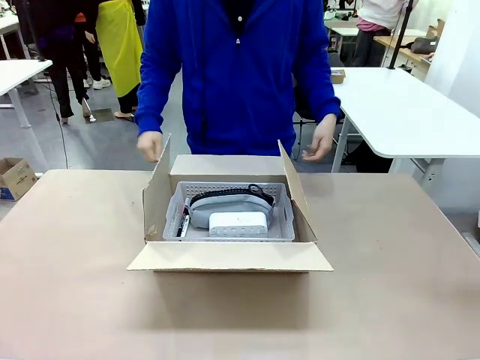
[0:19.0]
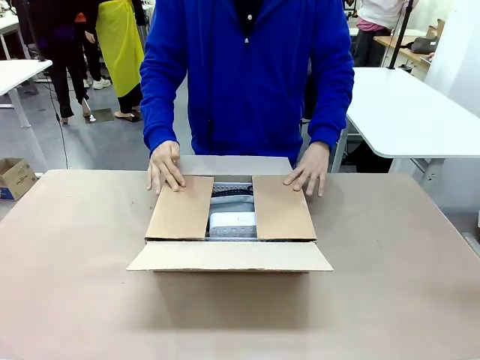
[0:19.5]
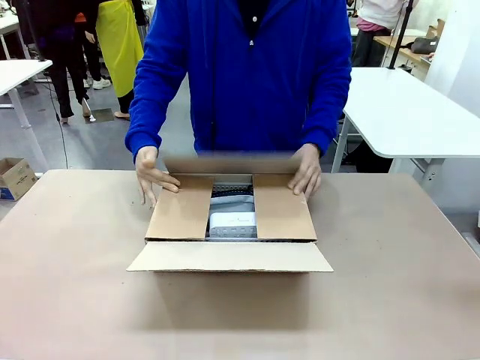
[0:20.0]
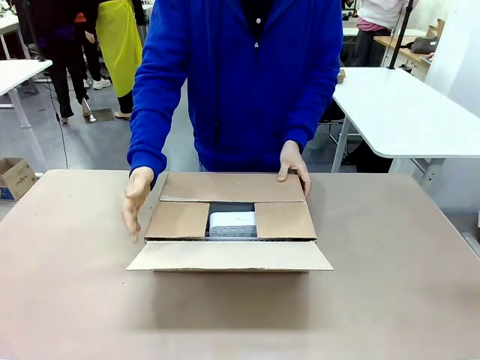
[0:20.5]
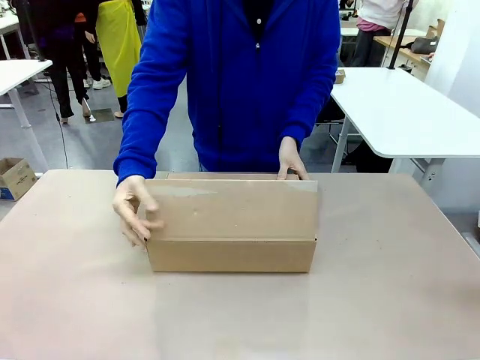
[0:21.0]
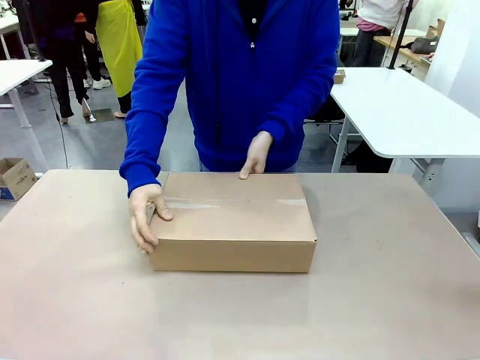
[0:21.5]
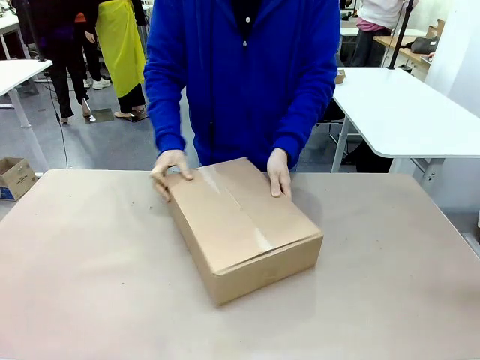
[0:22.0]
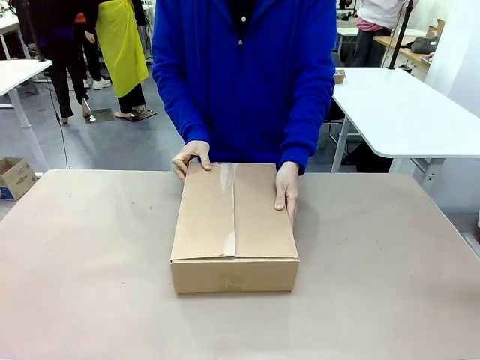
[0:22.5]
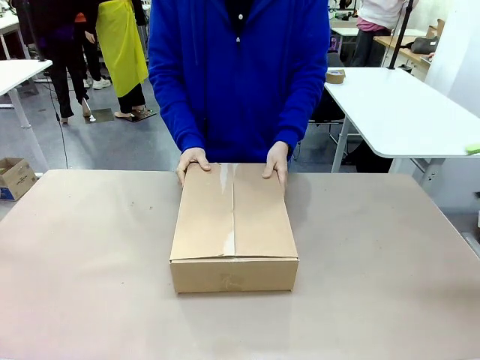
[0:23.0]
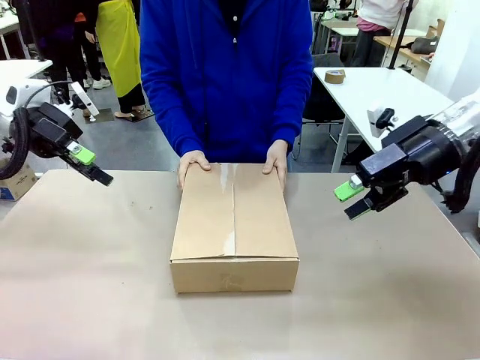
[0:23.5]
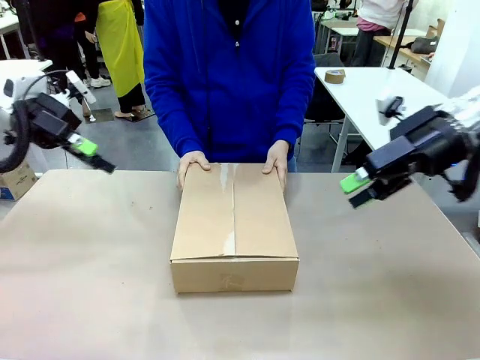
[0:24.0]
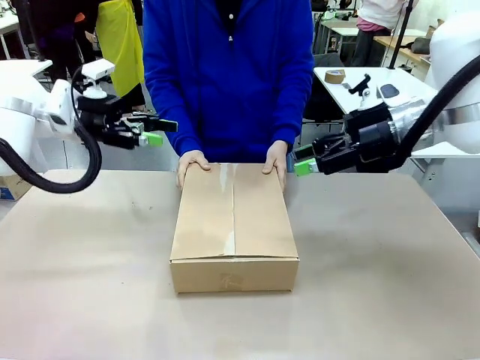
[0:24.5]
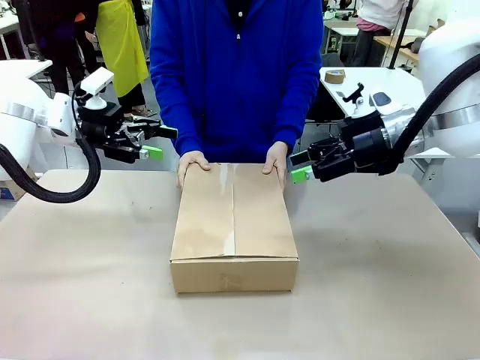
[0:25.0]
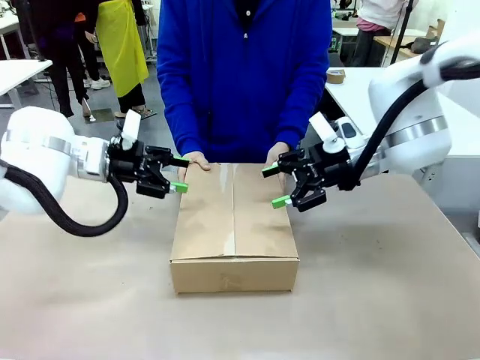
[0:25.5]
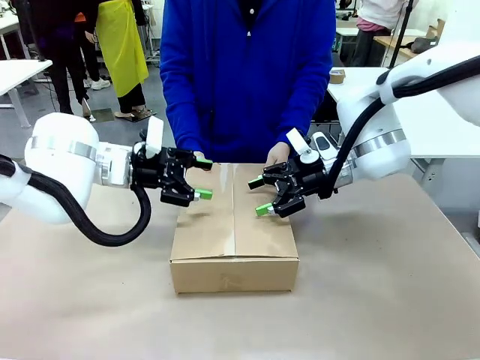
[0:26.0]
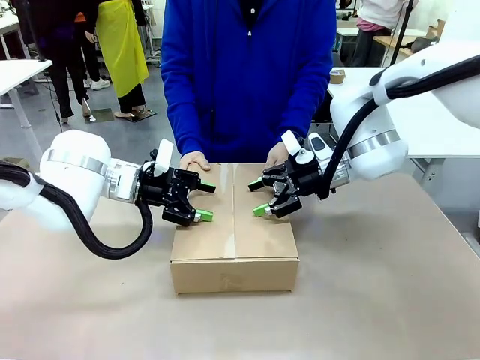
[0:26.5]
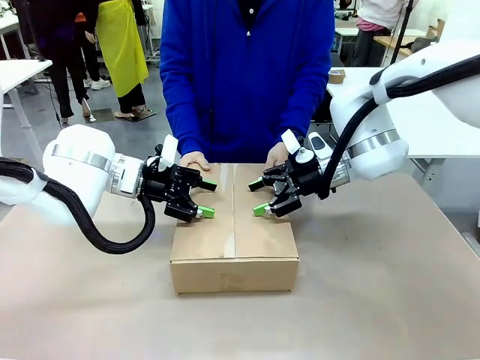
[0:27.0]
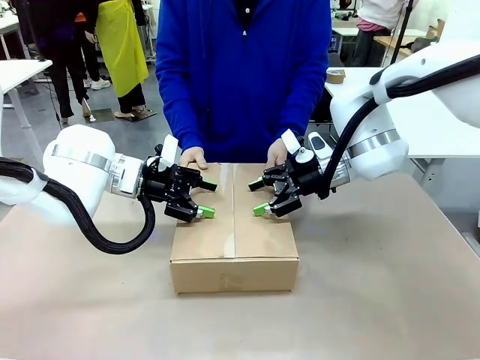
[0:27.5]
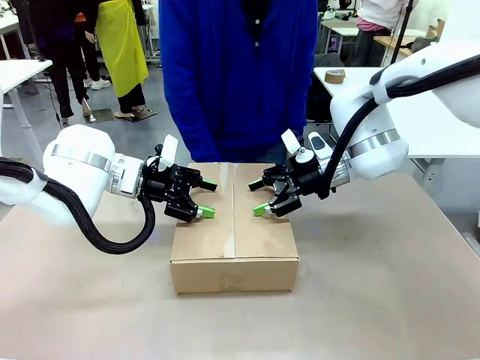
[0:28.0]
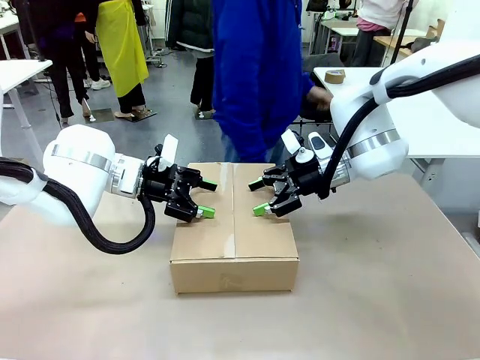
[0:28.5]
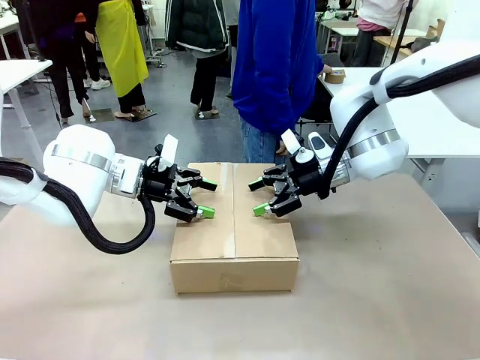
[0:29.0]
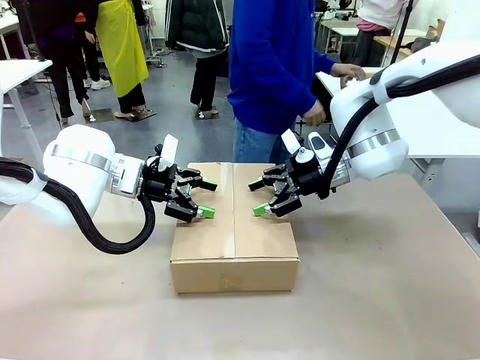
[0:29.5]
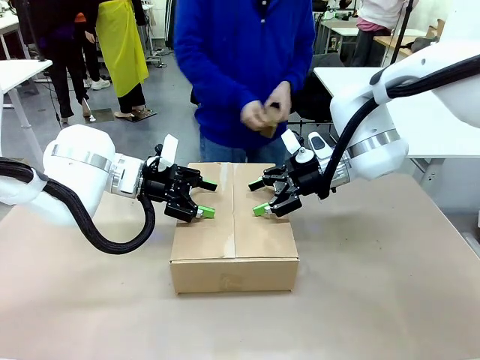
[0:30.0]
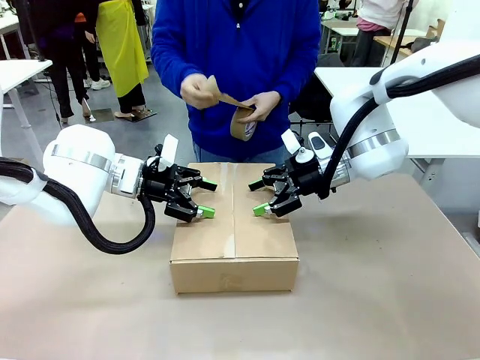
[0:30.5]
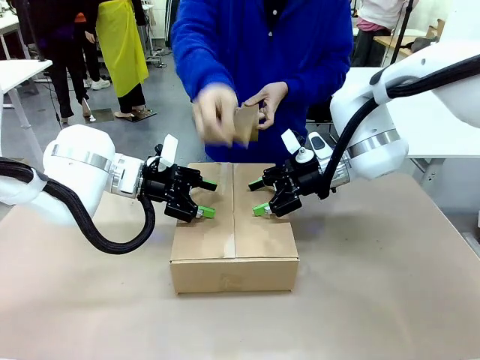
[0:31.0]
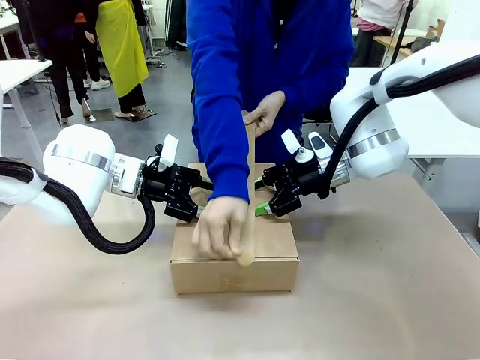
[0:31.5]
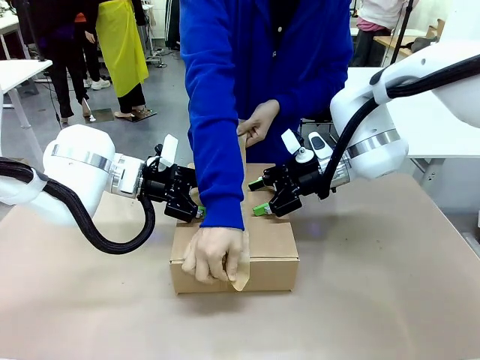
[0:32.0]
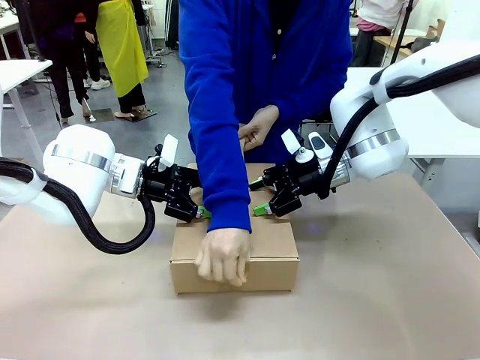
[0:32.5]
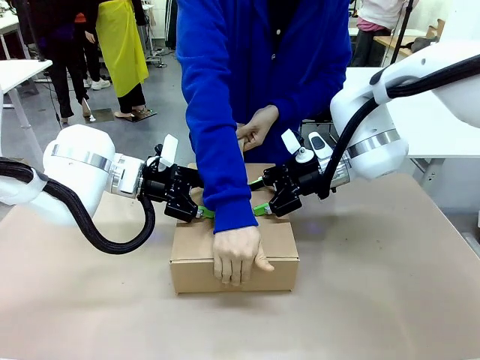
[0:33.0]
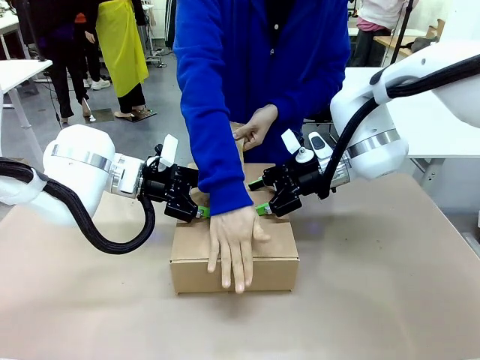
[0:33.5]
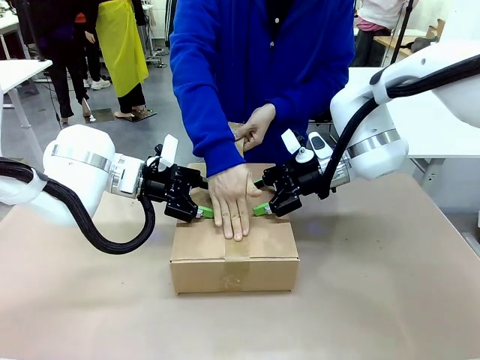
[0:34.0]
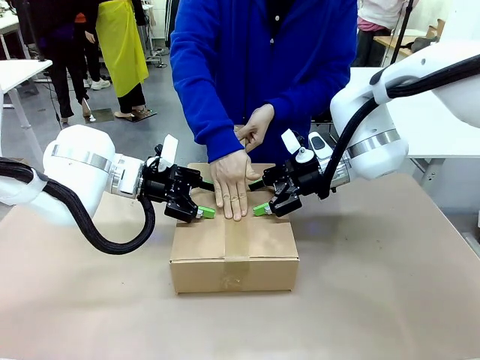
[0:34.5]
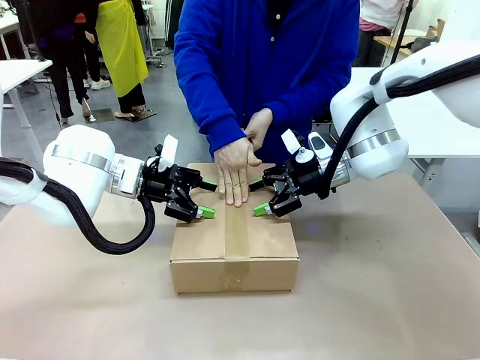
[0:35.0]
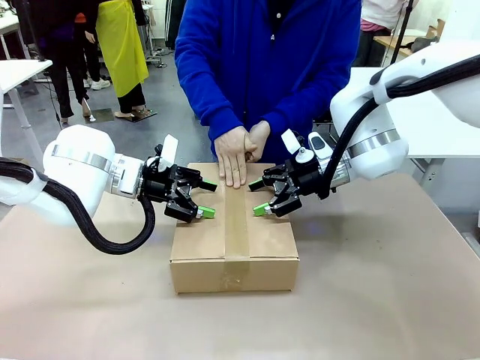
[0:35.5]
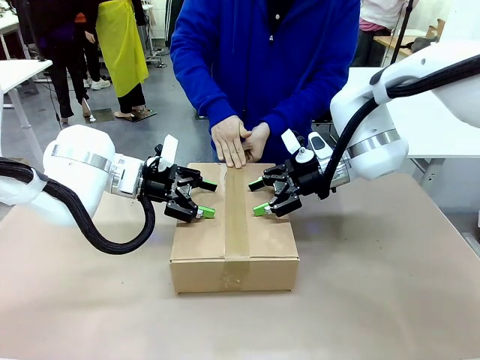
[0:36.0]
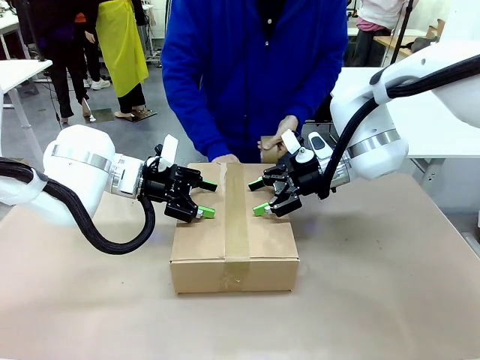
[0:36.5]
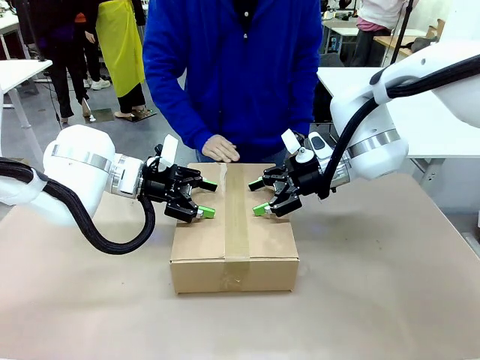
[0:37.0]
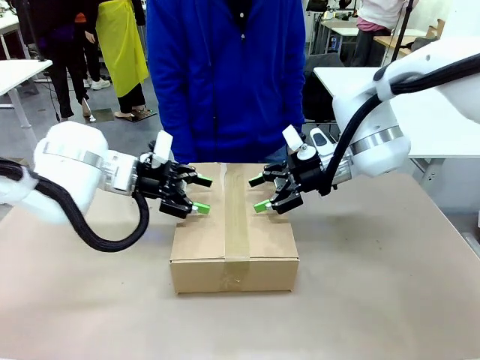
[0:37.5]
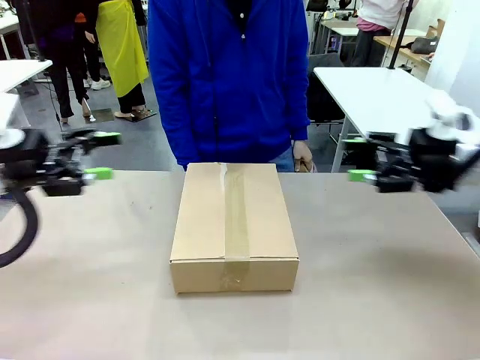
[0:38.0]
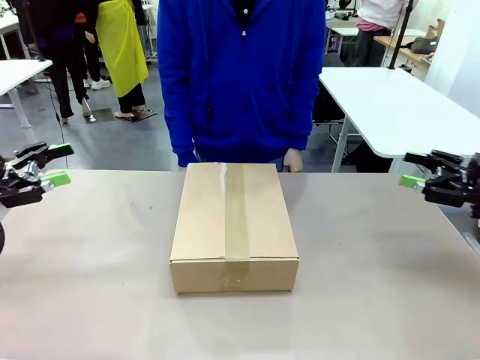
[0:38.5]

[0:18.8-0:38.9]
Task: Pack the gift set into the box.
Robot: Press and hold the closed box until the human finishes sealing it.
Person: The human closes the box and rotates the box by 90 degrees. The human picks up the paper tape from the human table and packs the box.

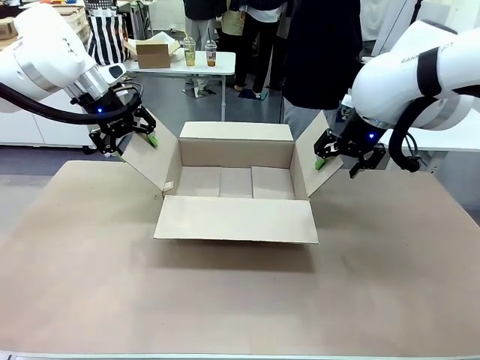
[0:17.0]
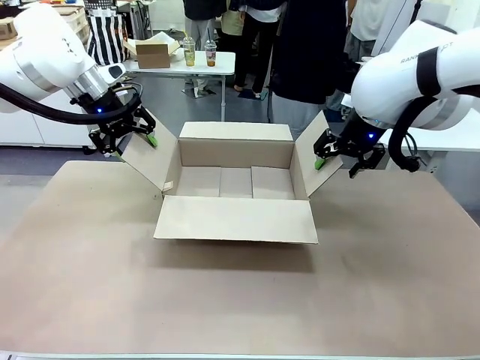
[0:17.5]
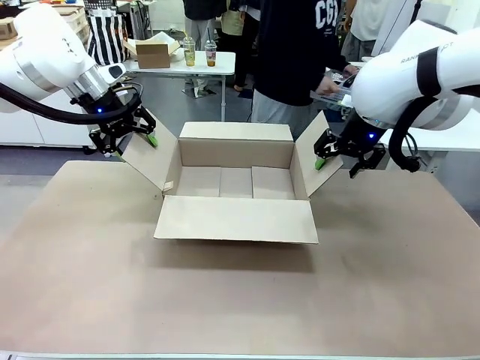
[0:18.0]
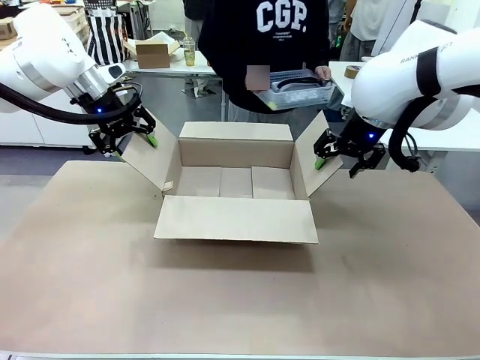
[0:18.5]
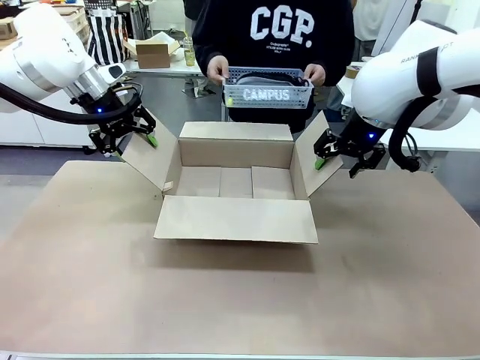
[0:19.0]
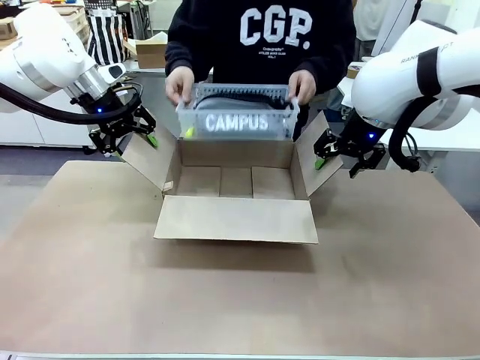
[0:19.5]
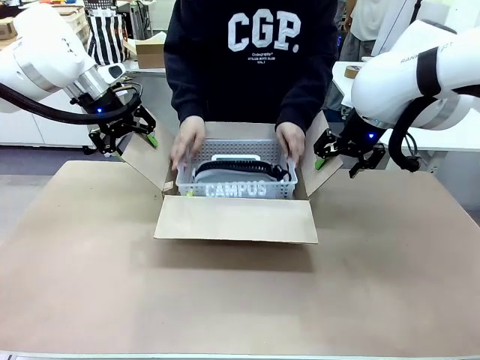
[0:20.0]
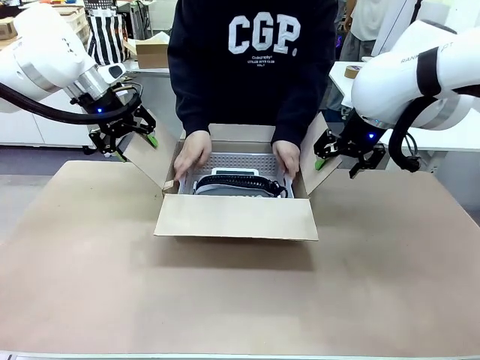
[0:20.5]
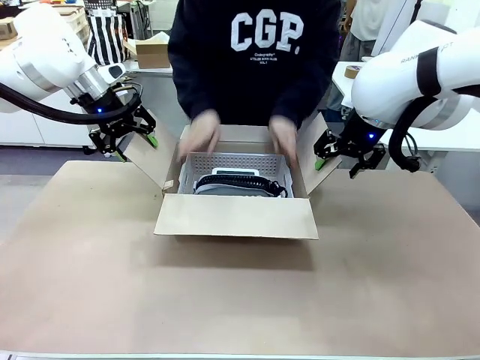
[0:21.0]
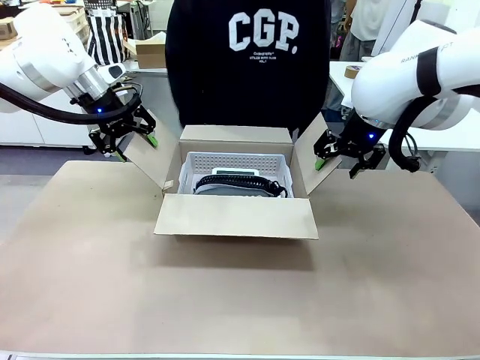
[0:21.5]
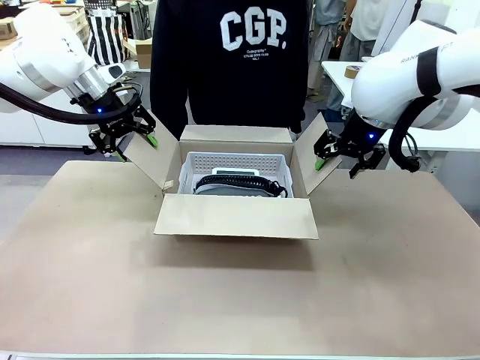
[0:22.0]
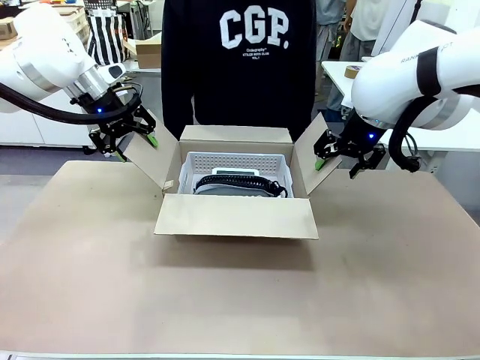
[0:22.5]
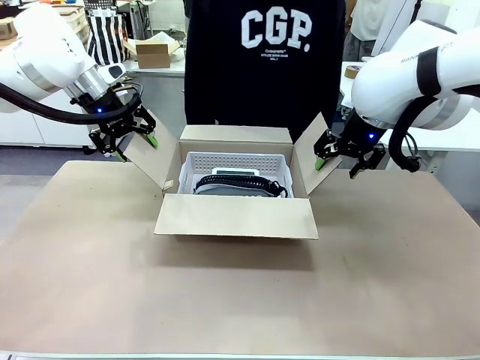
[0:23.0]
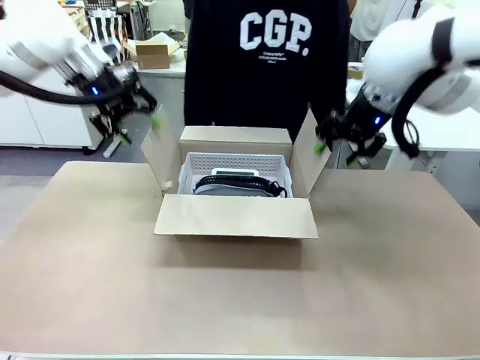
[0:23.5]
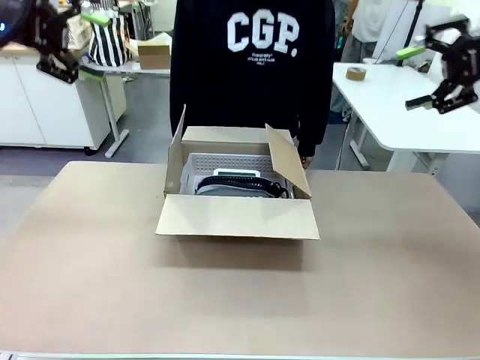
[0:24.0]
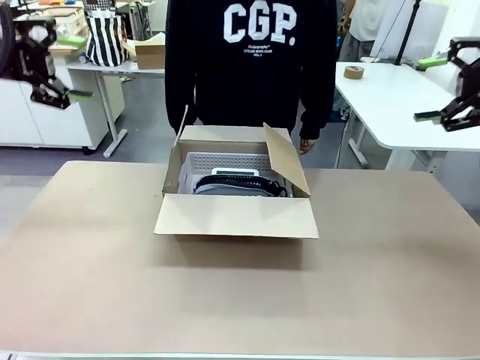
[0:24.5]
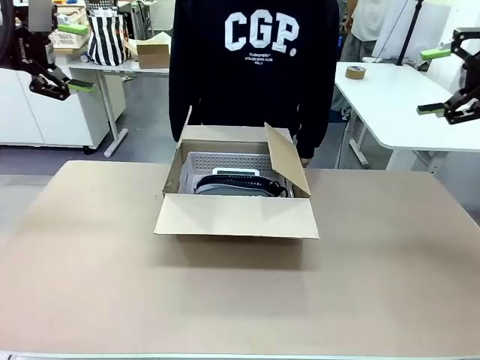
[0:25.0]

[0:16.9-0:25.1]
Task: Pack the gift set into the box.
Robot: Lift both hands away from the flaps of the Package Box.
Person: The human picks up the organizing basket and places the organizing basket into the package box on the robot table.
